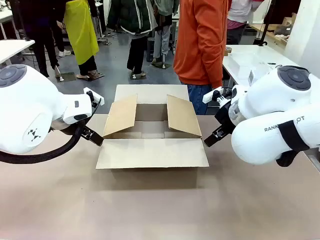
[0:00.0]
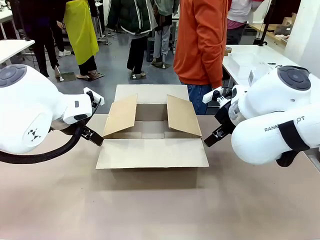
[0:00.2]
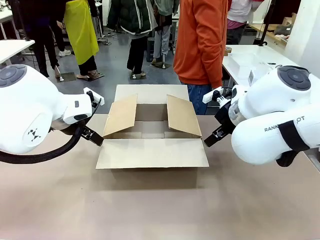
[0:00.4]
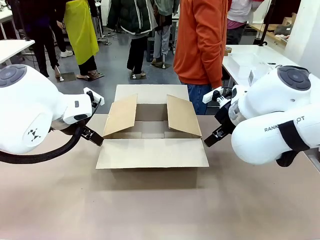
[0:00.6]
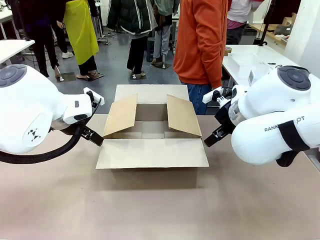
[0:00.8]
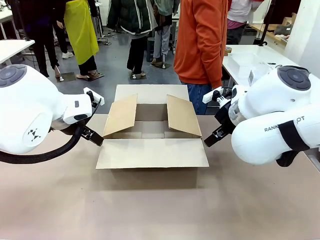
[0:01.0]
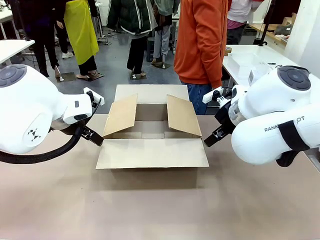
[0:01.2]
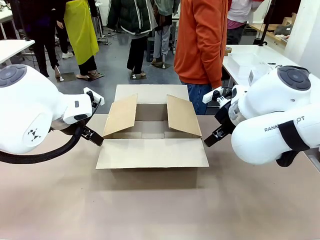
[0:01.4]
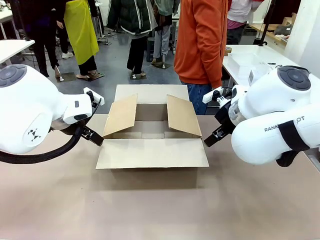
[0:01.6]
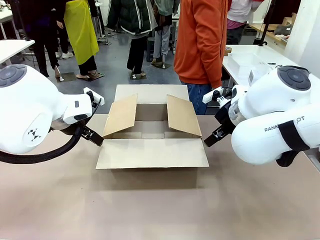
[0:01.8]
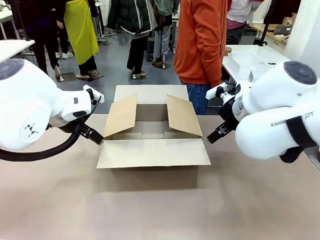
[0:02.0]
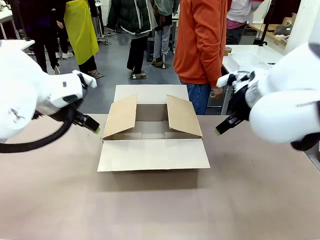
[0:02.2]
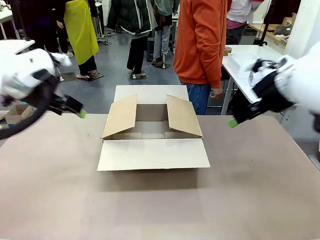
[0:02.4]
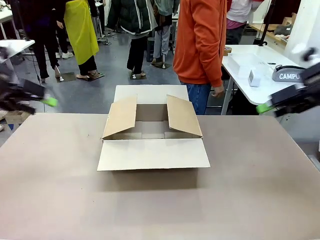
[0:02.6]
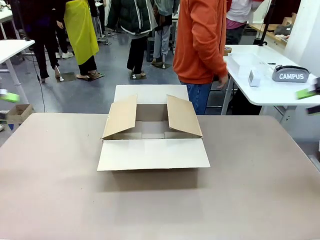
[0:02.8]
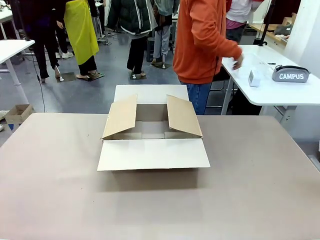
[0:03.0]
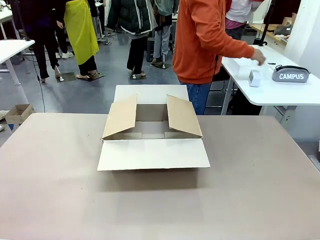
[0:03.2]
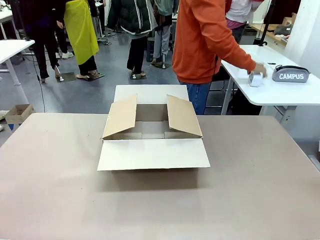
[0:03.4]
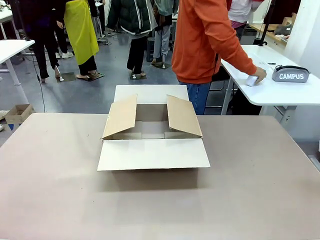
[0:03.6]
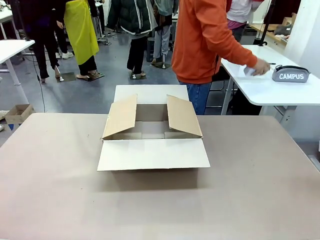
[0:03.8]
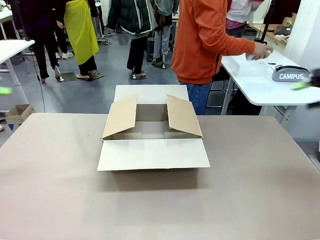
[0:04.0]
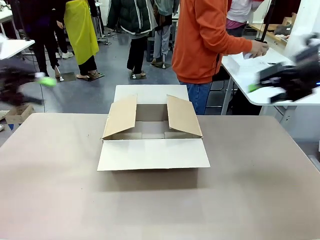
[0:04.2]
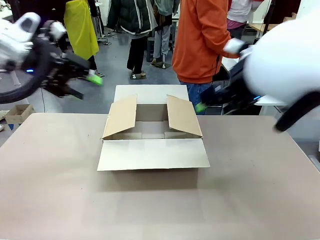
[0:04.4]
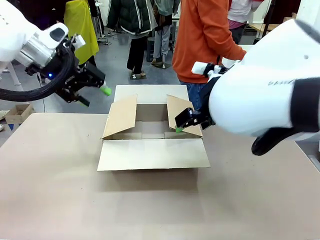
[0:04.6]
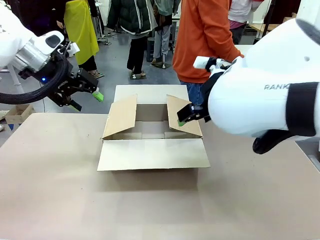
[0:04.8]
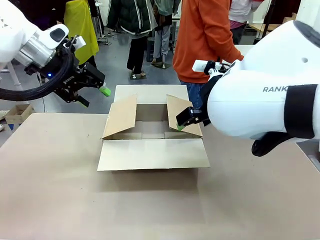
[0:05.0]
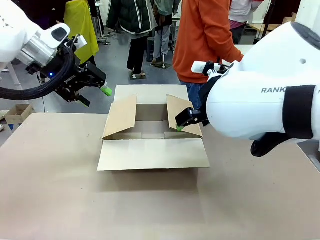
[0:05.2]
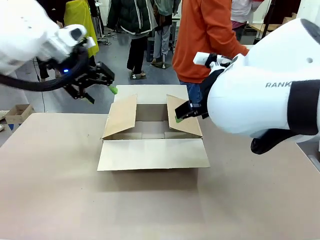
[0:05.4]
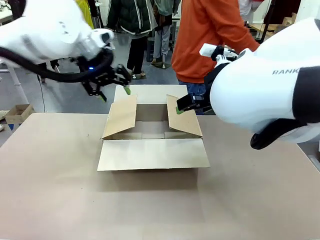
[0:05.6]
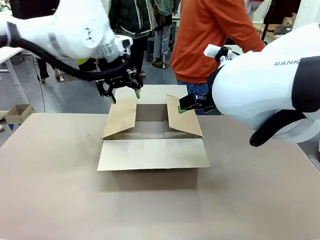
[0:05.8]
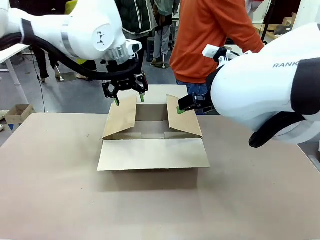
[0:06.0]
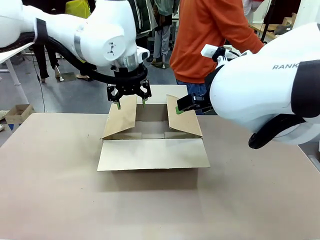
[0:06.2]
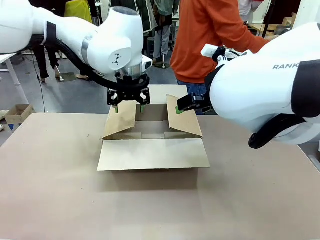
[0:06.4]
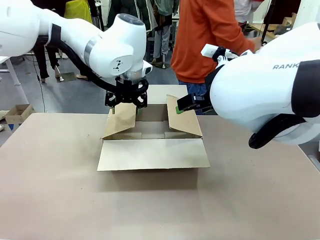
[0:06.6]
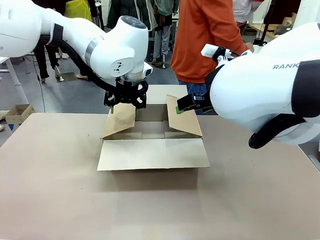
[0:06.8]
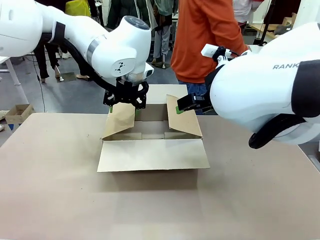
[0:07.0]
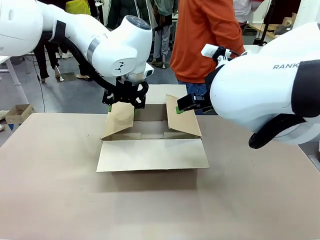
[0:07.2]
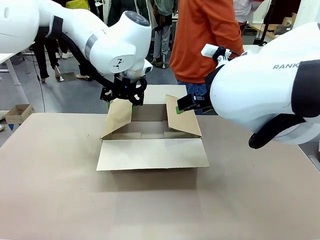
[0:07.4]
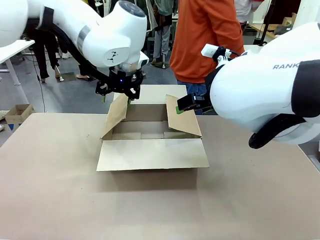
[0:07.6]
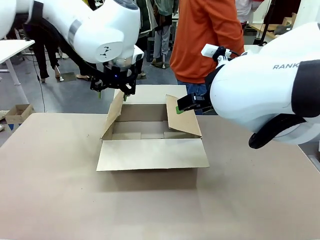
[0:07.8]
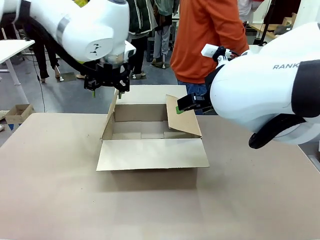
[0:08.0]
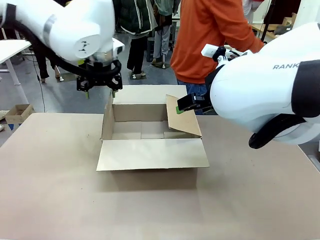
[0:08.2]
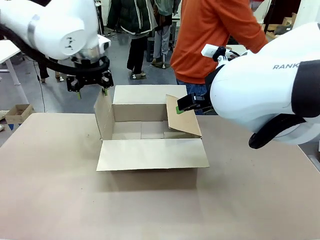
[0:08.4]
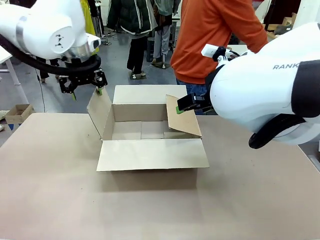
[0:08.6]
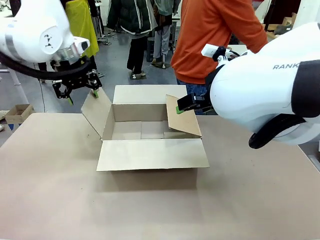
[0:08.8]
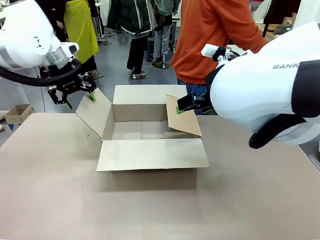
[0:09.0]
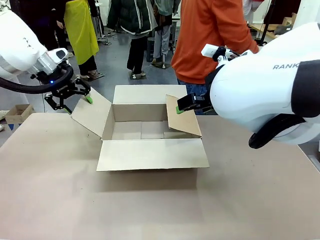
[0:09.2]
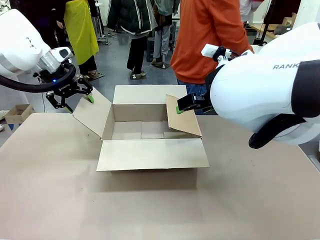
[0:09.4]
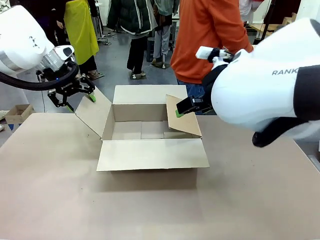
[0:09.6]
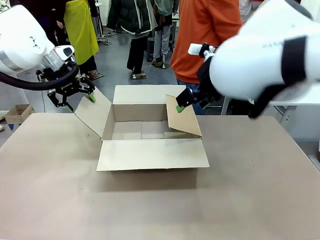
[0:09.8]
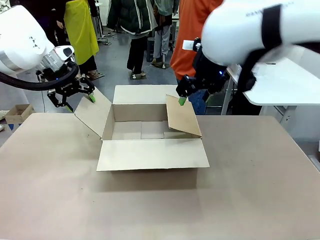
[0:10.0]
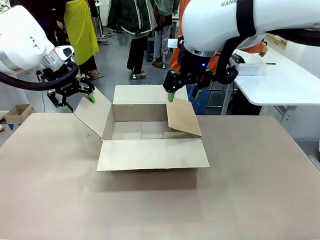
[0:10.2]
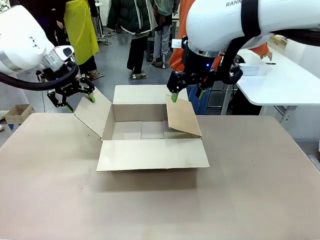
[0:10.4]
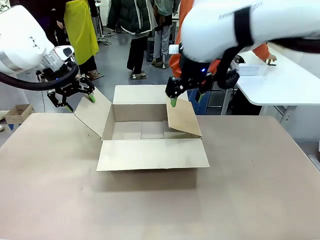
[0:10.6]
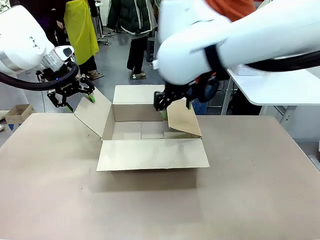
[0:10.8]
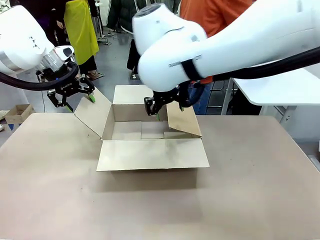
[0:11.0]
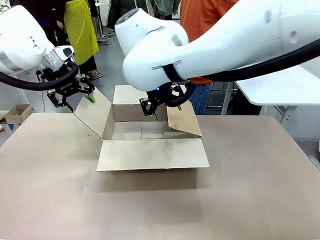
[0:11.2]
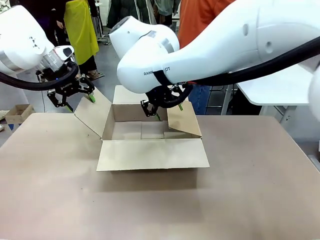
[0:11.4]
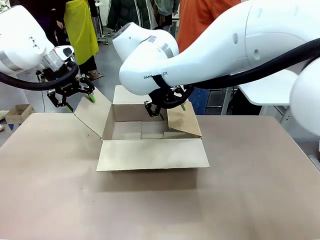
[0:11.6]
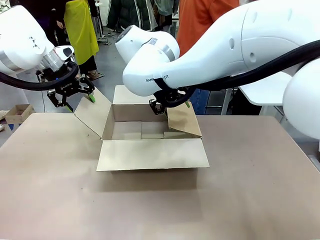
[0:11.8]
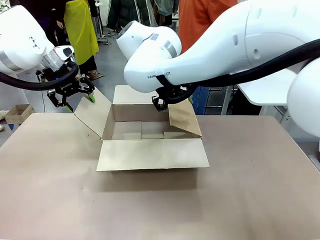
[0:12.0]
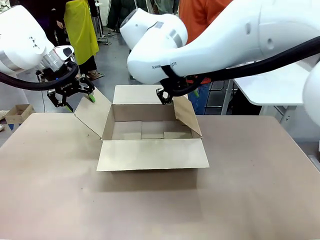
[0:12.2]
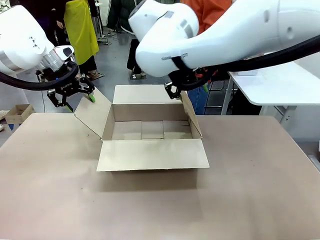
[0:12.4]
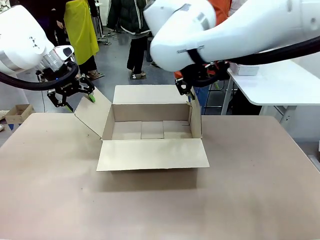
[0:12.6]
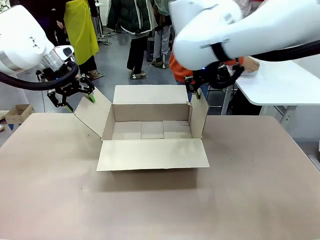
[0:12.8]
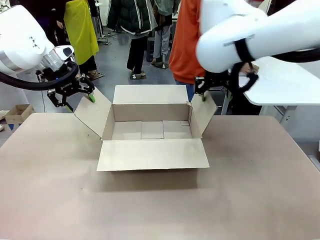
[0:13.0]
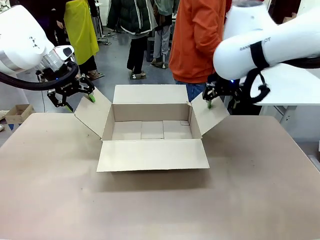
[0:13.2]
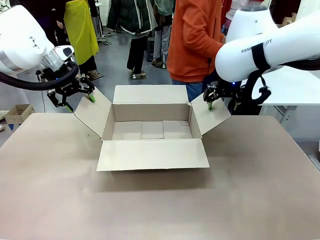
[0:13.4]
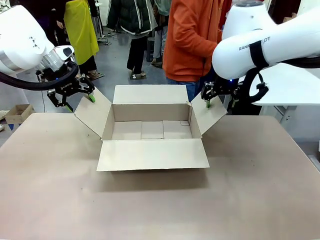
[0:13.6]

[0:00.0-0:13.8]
Task: Pack the gift set into the box.
Robot: Place both hands on the side flaps of the Package Box and spread them outward.
Person: The human places all items except the paper tape into the organizing basket.

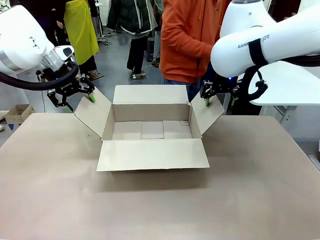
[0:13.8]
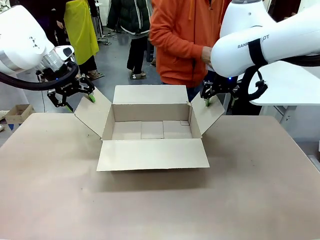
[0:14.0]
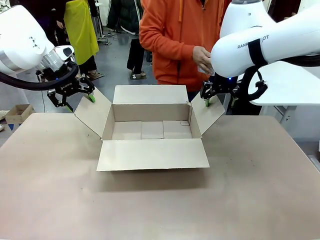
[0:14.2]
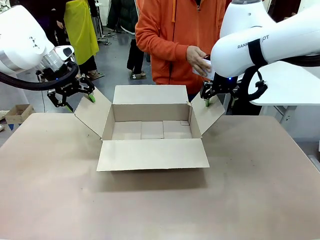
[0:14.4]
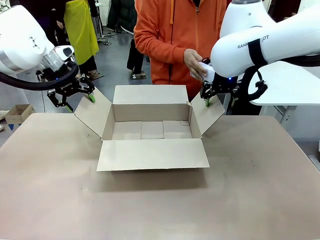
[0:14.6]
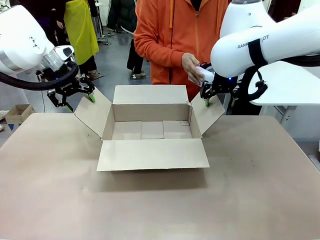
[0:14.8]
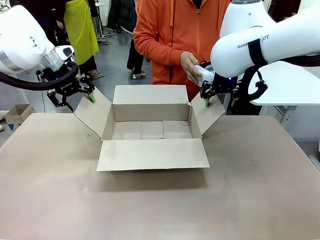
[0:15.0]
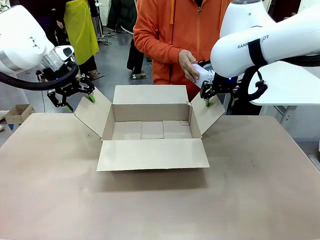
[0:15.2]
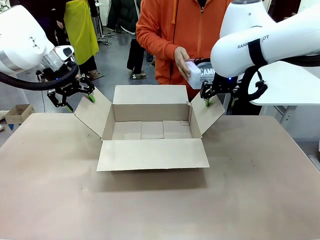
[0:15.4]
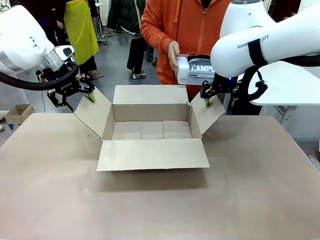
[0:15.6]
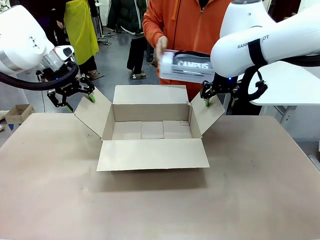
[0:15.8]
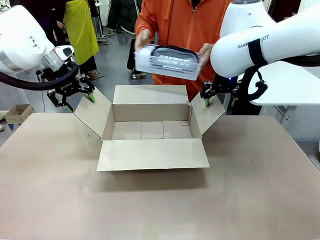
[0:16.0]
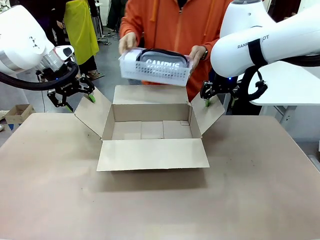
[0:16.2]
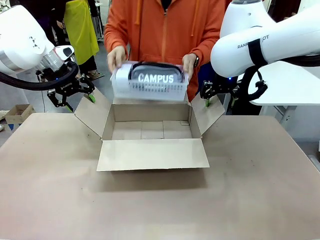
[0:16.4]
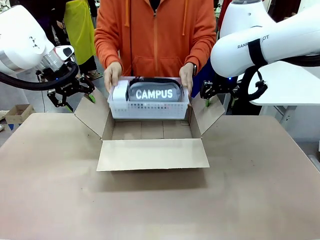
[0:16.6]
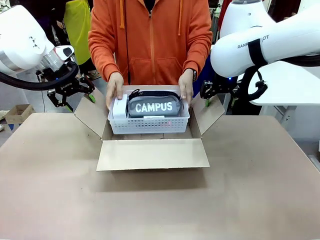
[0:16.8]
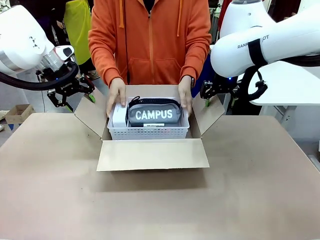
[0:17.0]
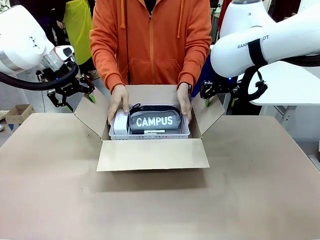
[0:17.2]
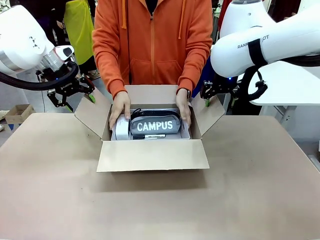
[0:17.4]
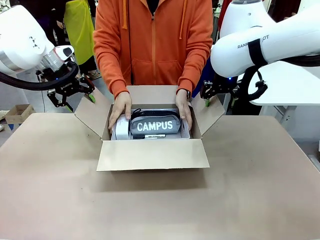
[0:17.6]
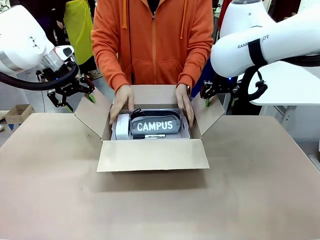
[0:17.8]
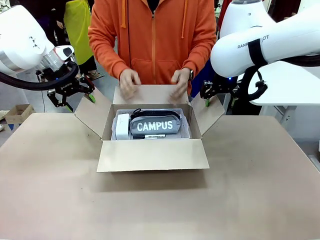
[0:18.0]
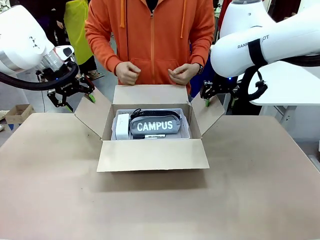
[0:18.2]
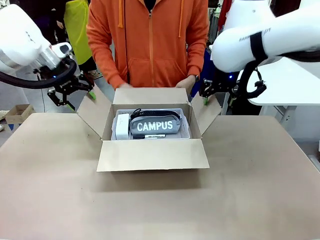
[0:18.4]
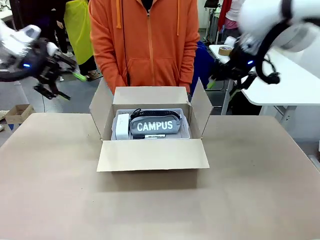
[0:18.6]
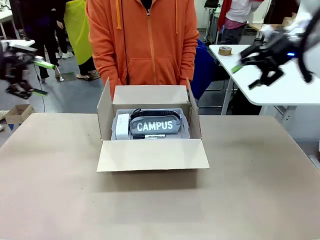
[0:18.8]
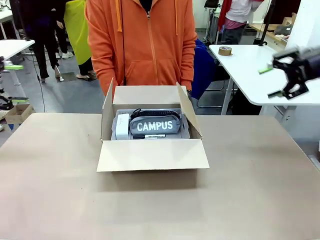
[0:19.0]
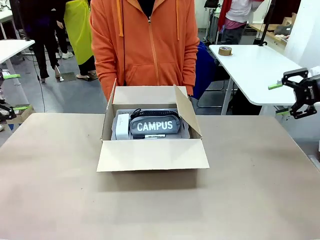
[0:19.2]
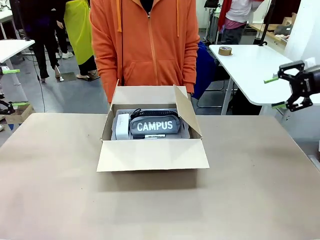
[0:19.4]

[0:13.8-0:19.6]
Robot: Lift both hands away from the flaps of the Package Box.
Person: The human picks up the organizing basket and places the organizing basket into the package box on the robot table.
